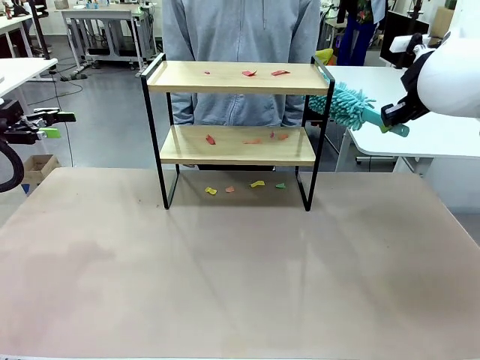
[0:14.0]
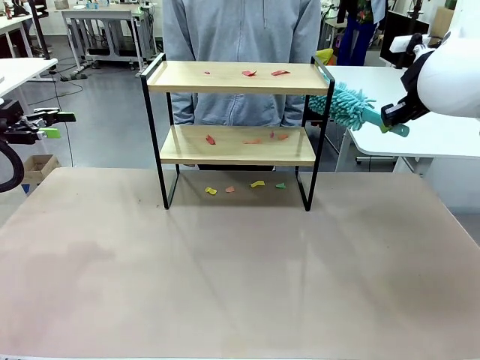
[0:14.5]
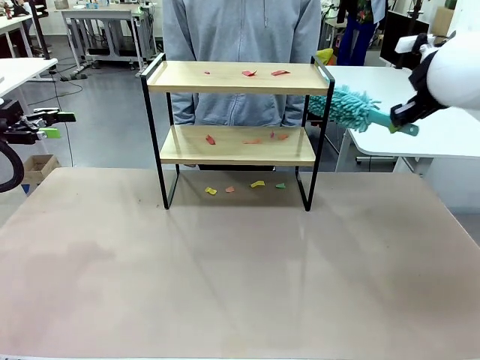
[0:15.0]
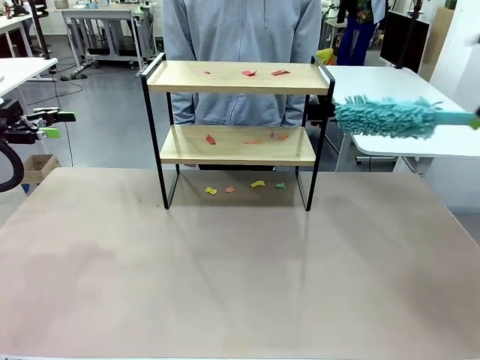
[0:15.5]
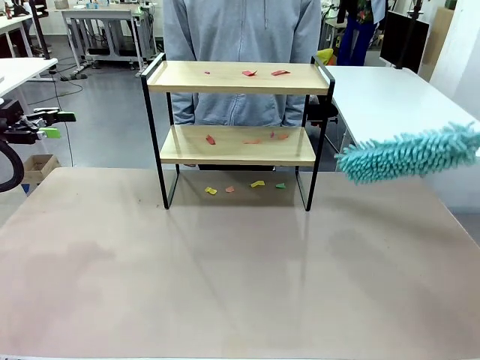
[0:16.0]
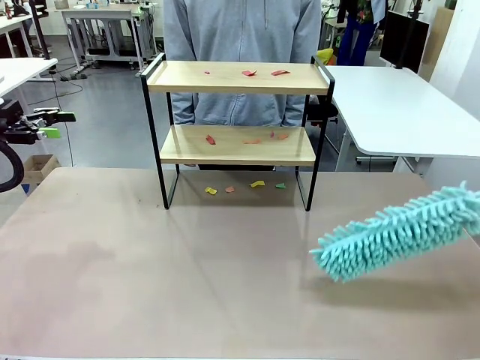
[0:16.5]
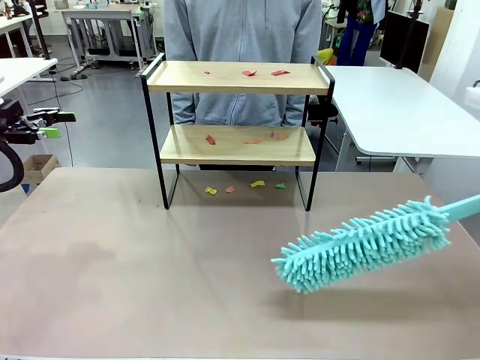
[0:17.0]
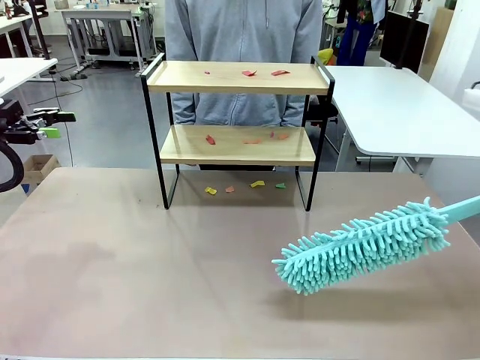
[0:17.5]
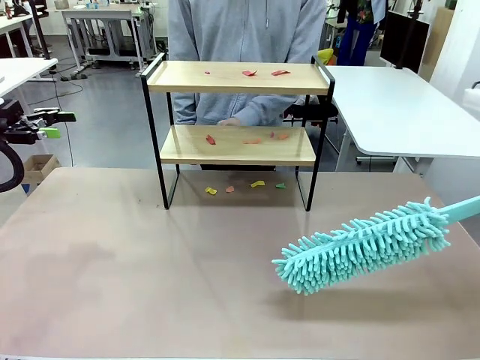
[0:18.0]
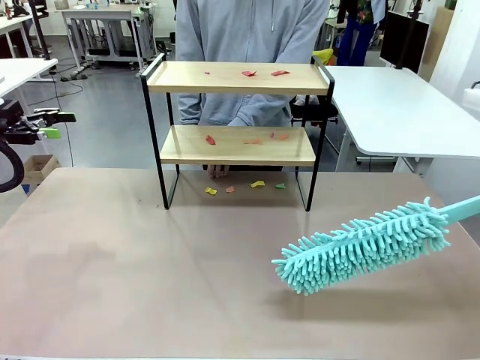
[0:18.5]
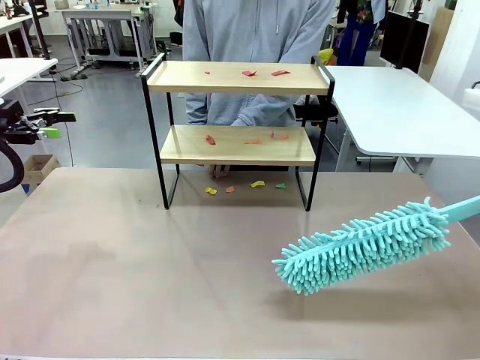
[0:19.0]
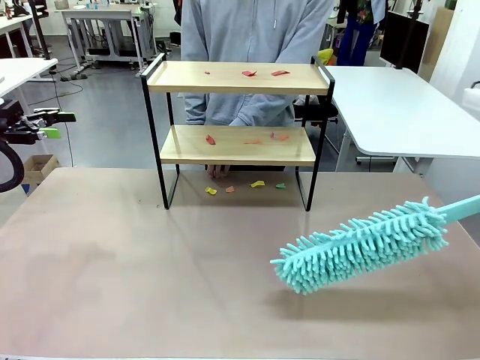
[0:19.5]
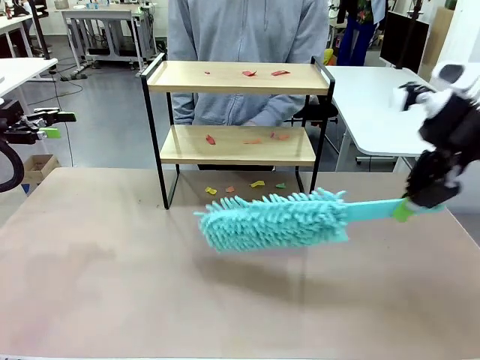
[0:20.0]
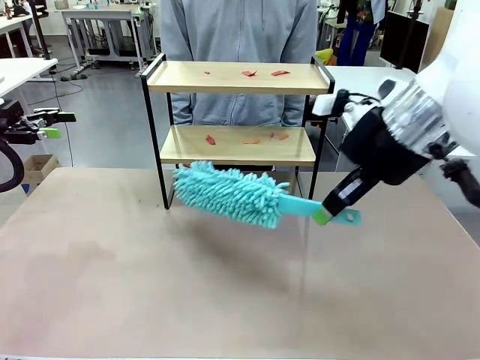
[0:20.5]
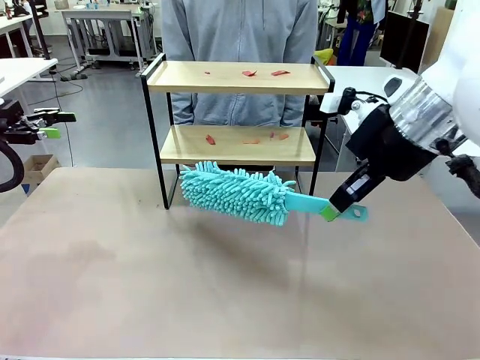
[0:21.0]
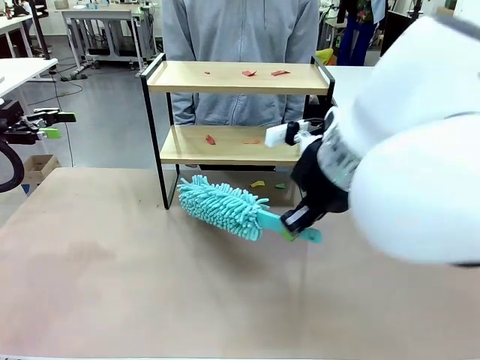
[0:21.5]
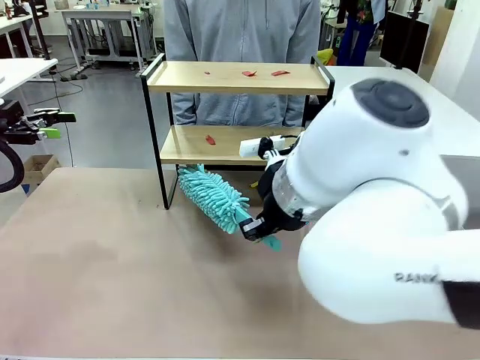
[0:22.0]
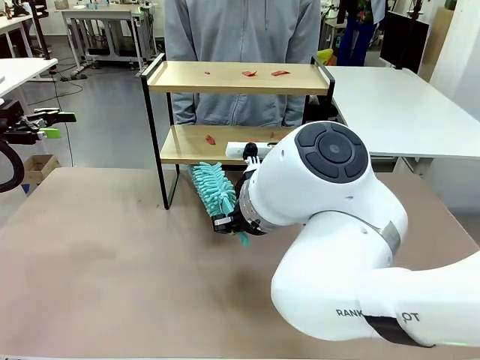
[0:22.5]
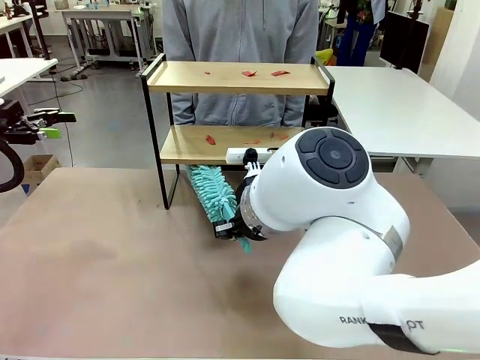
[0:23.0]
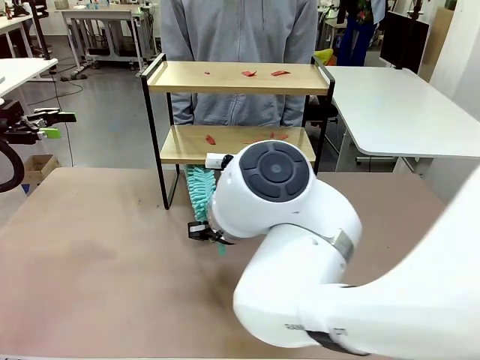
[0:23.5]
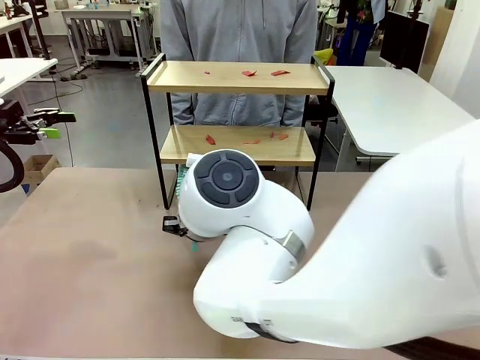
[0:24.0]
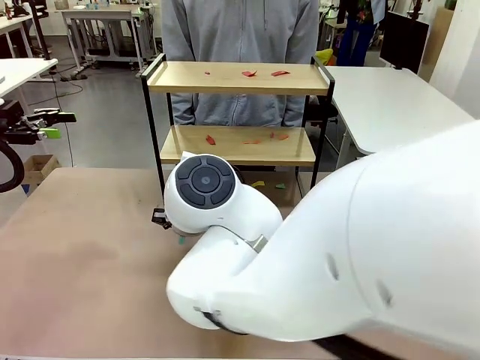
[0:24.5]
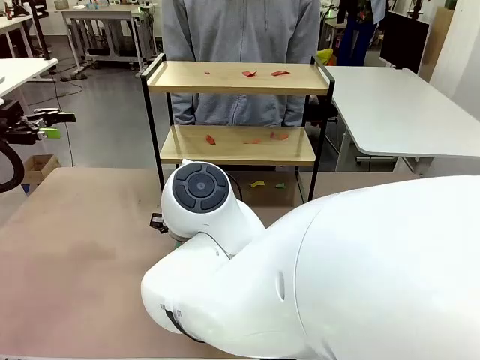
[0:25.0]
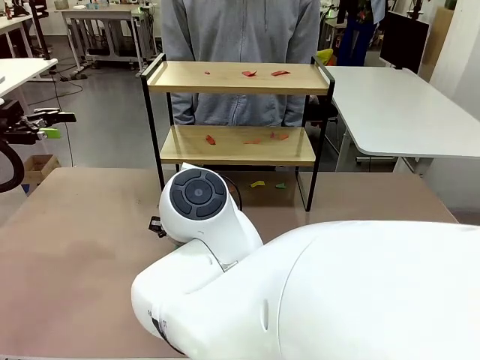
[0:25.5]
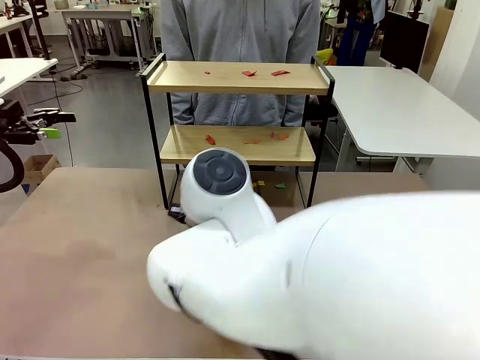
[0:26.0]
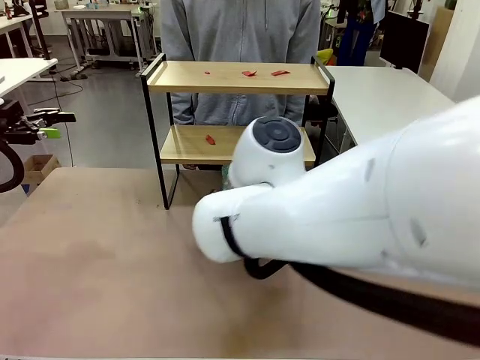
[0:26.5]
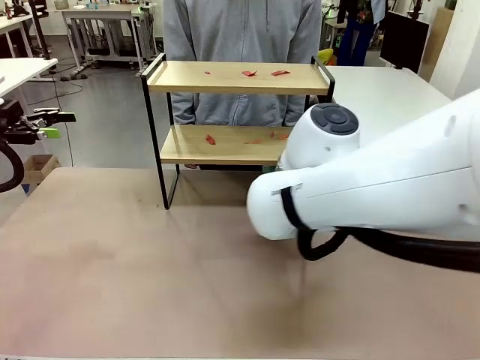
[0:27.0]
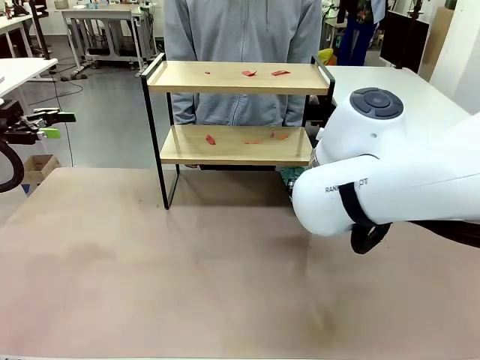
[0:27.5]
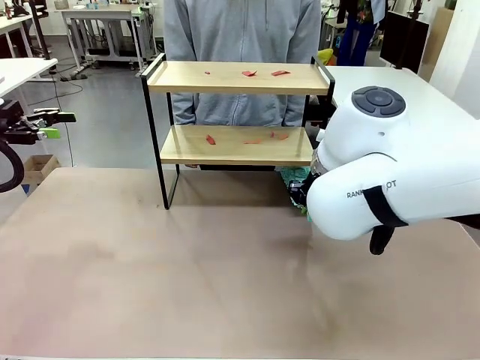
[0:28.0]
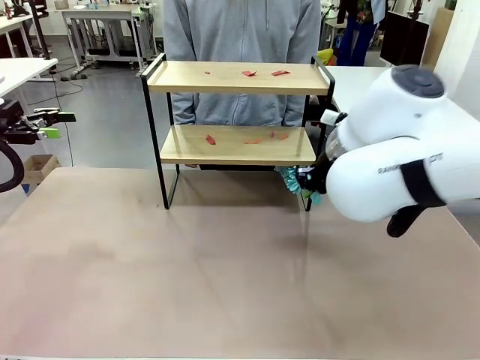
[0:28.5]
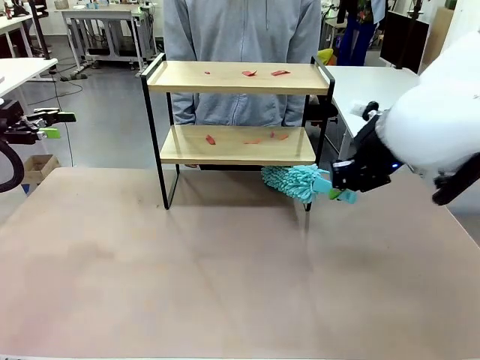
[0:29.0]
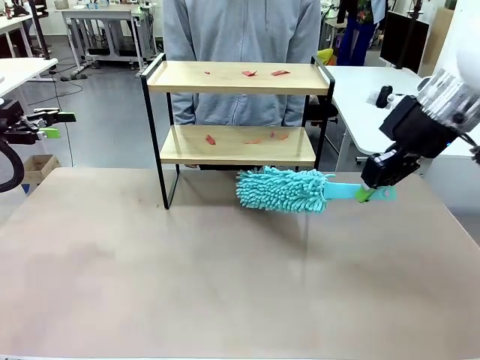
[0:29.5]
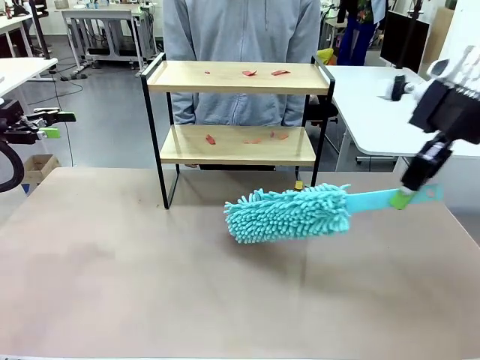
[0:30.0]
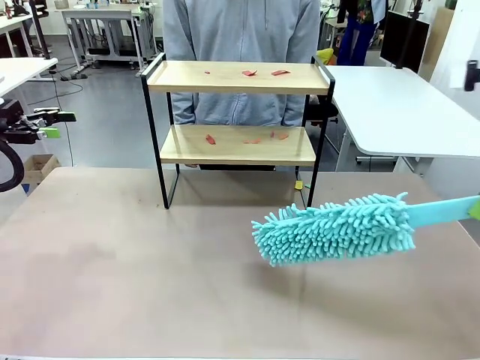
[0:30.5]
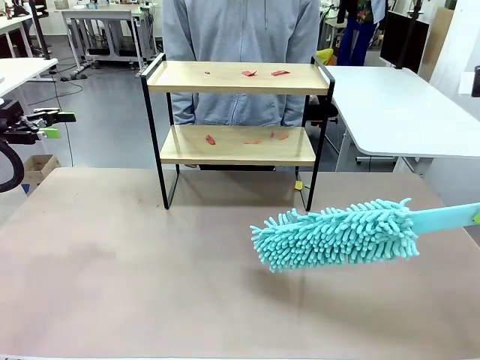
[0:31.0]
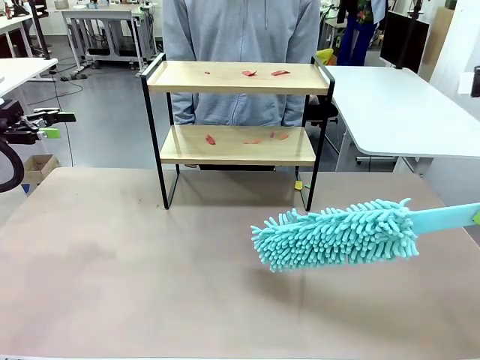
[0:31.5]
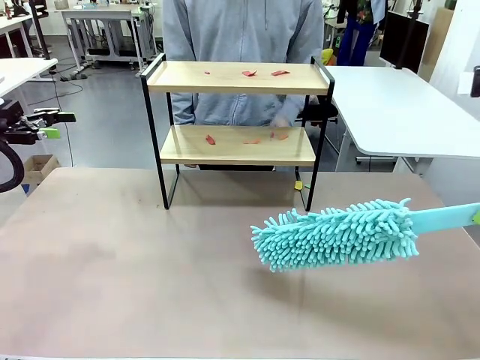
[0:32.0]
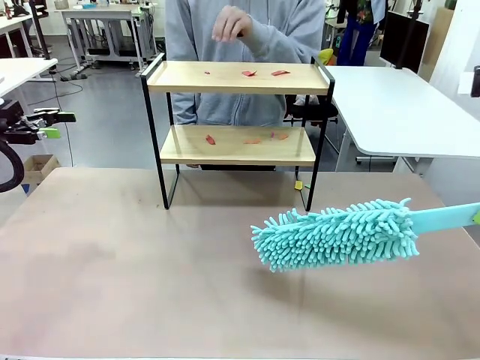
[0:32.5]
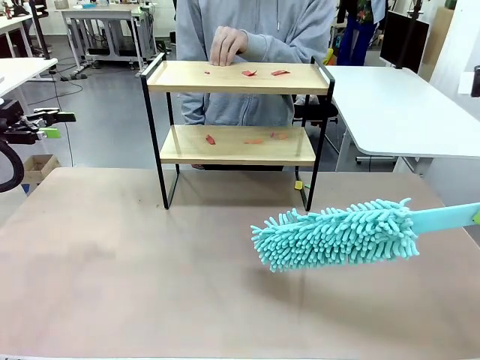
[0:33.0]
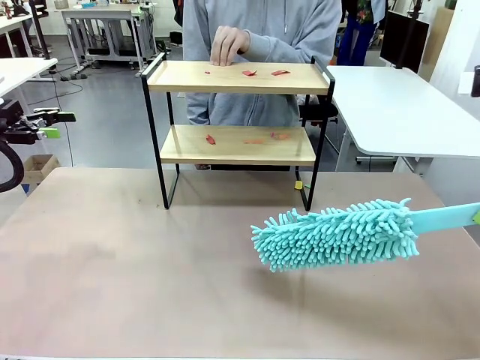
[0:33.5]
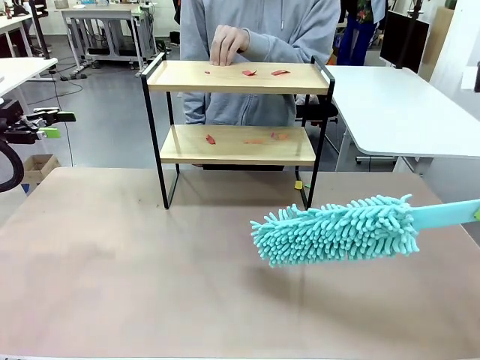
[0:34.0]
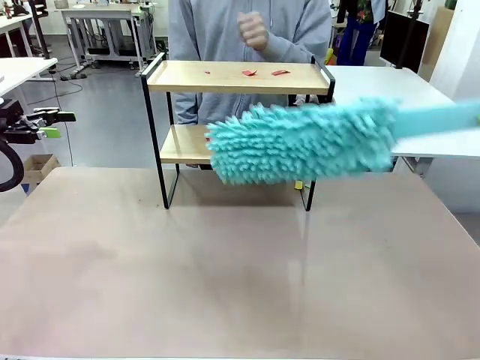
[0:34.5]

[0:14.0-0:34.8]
Task: Clean the shelf.
Robot: Clean the specific section of the Shelf indicated by the human with the Duster.
Person: Point a random section of the Shelf.
